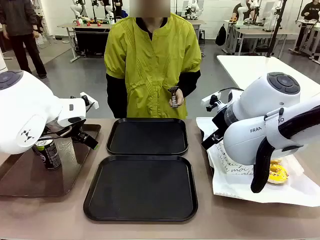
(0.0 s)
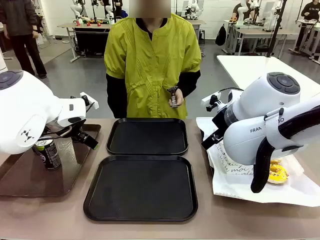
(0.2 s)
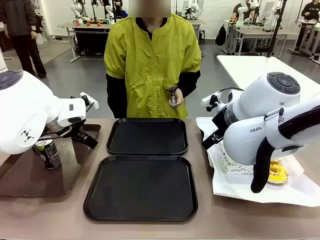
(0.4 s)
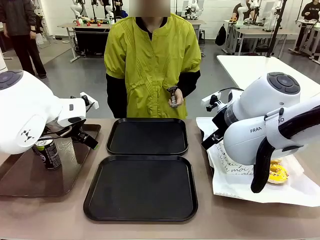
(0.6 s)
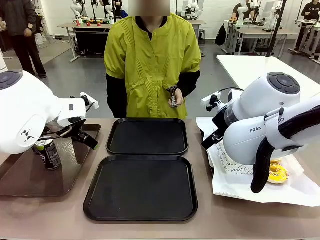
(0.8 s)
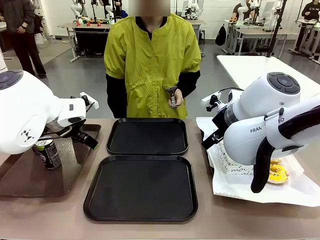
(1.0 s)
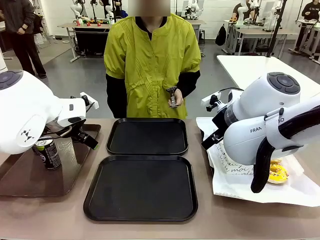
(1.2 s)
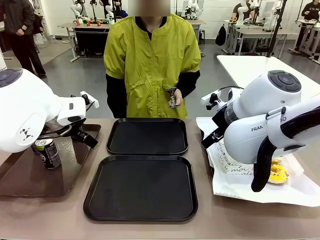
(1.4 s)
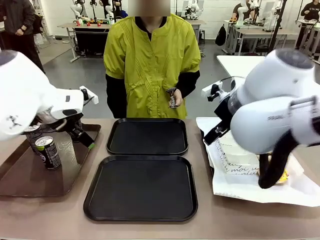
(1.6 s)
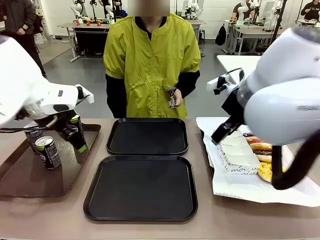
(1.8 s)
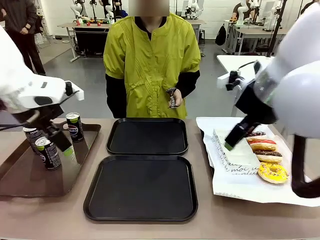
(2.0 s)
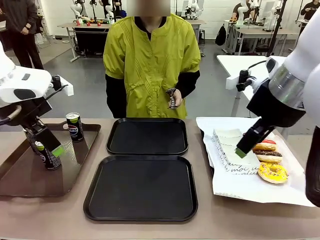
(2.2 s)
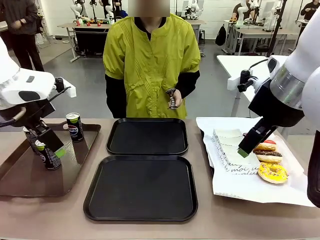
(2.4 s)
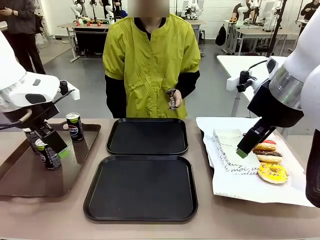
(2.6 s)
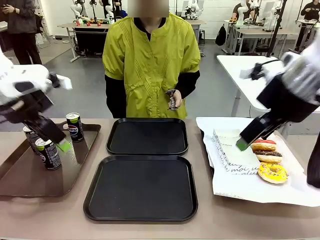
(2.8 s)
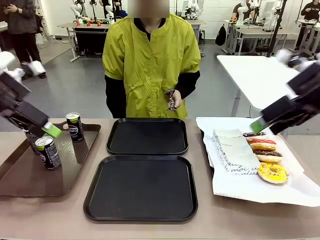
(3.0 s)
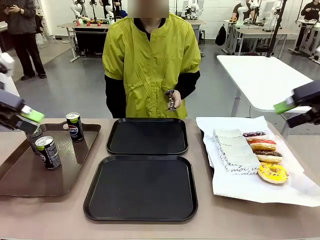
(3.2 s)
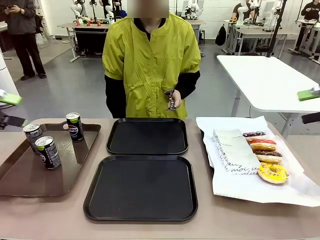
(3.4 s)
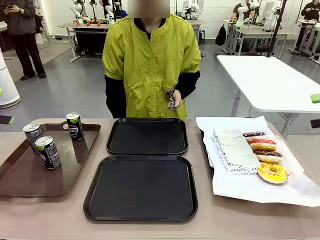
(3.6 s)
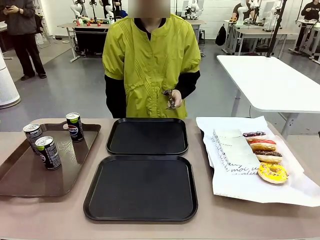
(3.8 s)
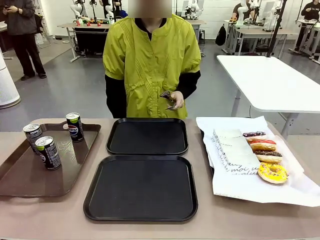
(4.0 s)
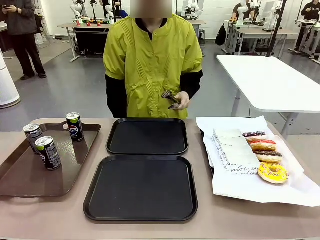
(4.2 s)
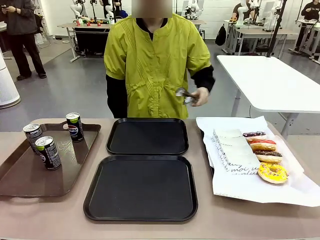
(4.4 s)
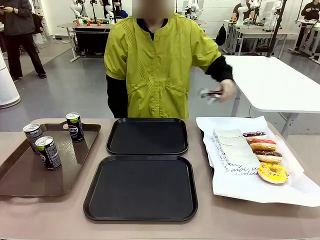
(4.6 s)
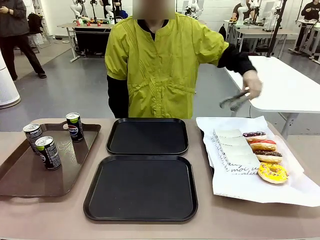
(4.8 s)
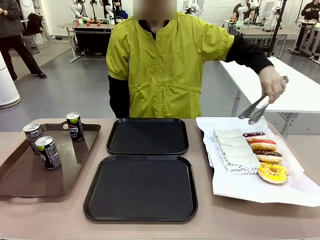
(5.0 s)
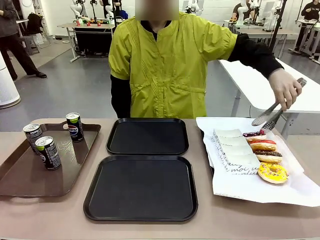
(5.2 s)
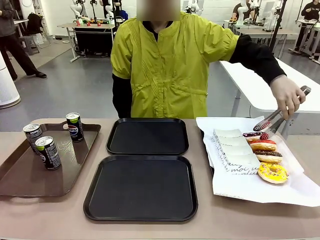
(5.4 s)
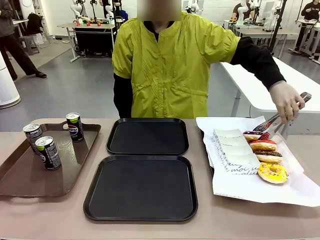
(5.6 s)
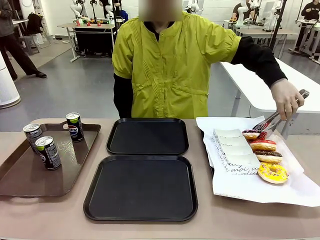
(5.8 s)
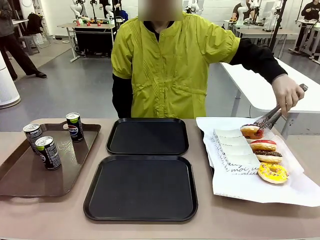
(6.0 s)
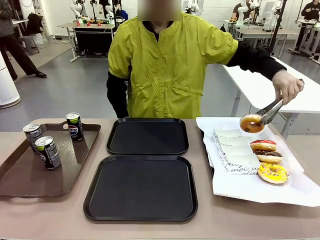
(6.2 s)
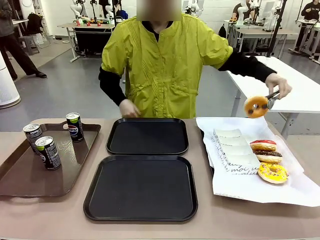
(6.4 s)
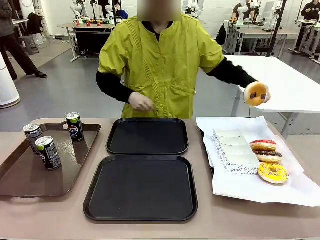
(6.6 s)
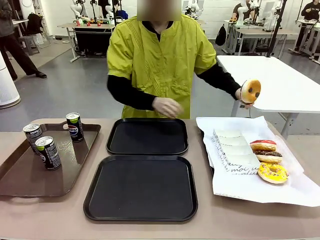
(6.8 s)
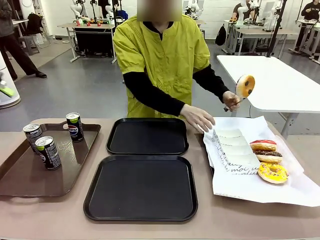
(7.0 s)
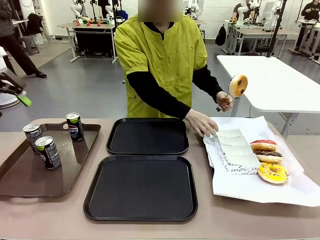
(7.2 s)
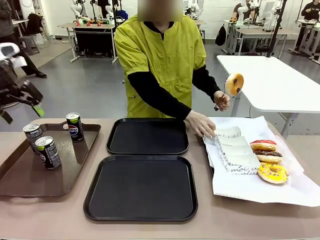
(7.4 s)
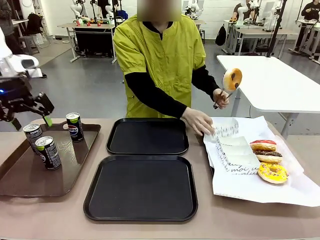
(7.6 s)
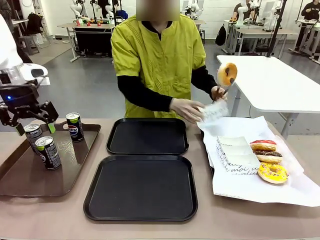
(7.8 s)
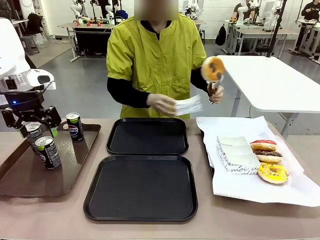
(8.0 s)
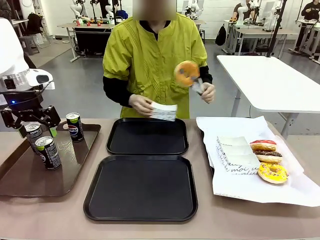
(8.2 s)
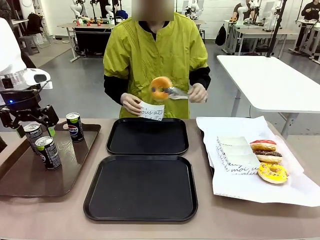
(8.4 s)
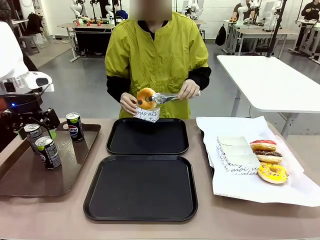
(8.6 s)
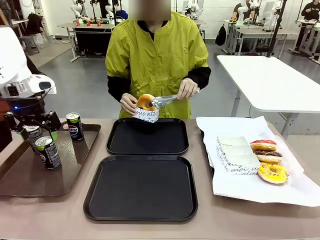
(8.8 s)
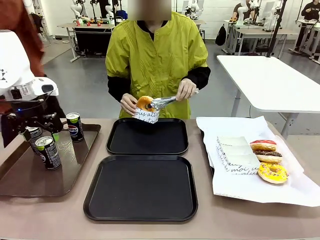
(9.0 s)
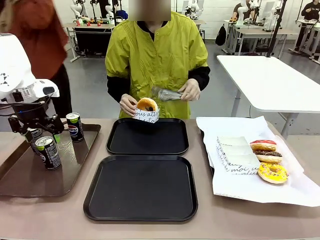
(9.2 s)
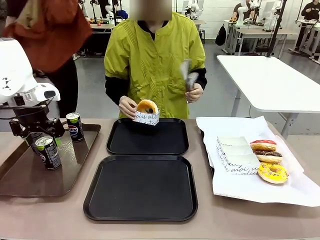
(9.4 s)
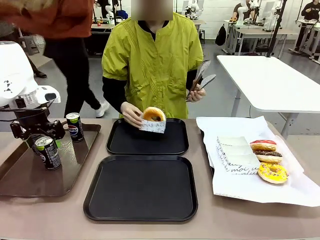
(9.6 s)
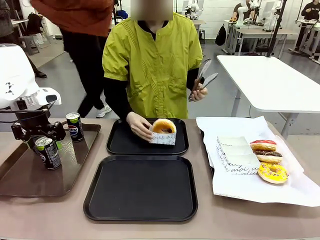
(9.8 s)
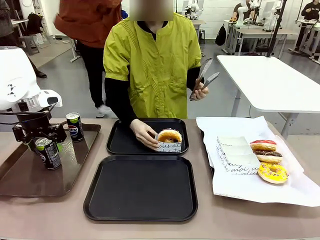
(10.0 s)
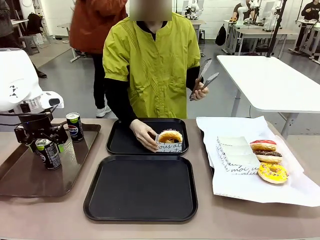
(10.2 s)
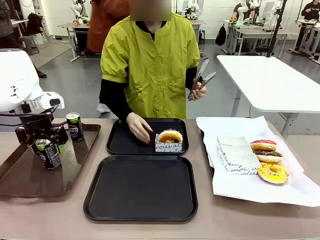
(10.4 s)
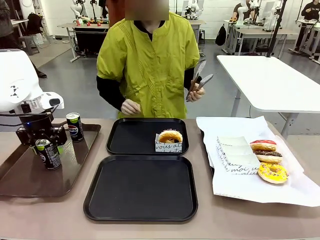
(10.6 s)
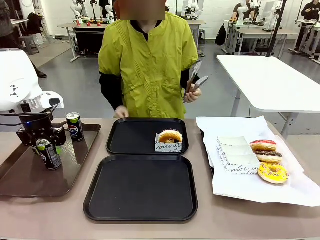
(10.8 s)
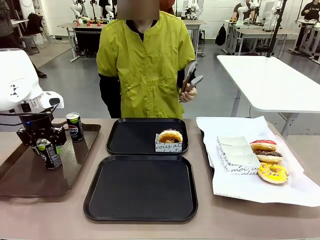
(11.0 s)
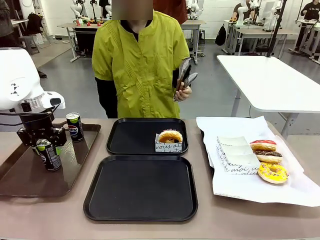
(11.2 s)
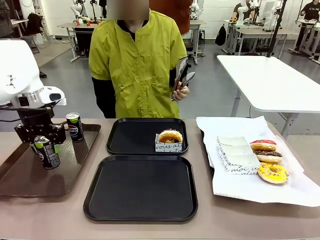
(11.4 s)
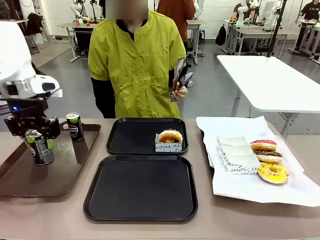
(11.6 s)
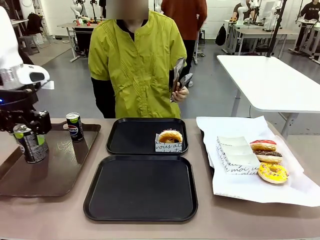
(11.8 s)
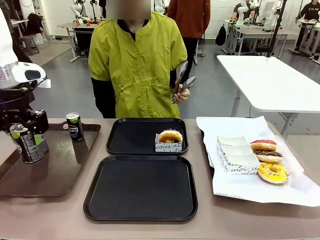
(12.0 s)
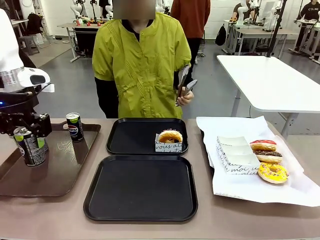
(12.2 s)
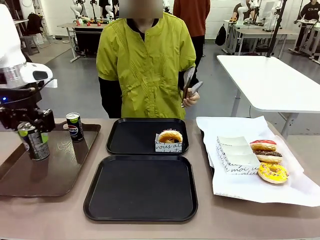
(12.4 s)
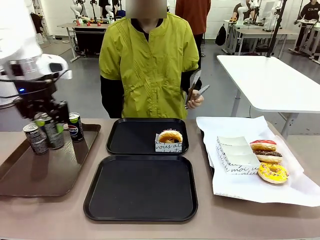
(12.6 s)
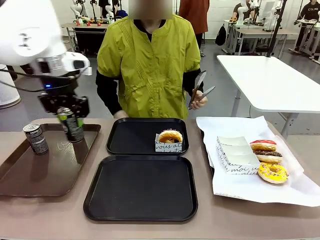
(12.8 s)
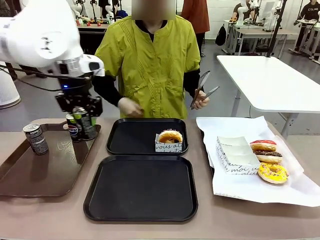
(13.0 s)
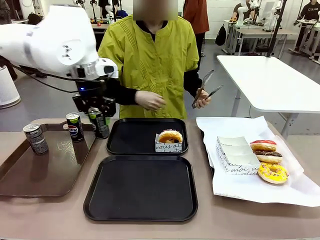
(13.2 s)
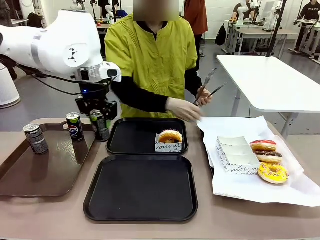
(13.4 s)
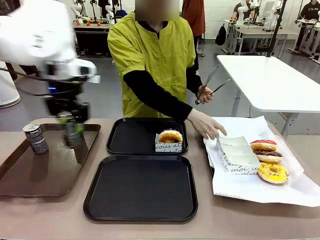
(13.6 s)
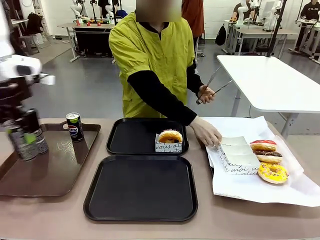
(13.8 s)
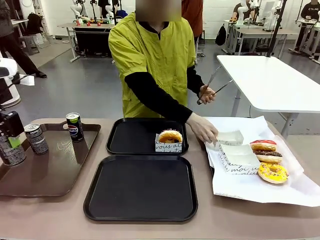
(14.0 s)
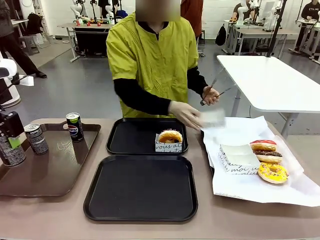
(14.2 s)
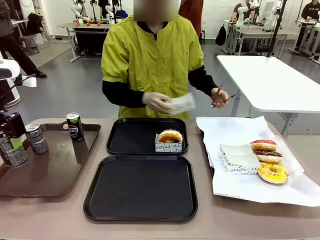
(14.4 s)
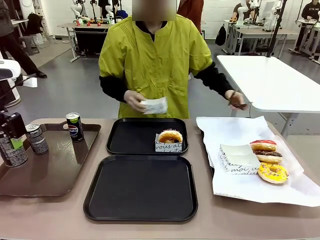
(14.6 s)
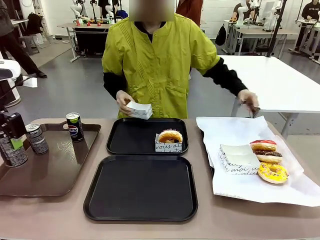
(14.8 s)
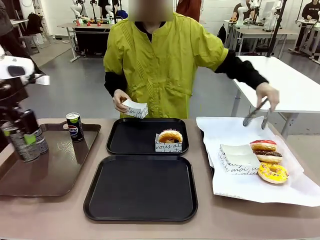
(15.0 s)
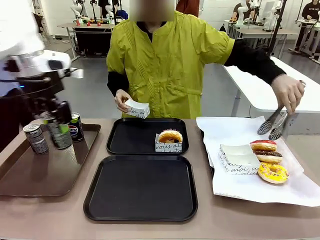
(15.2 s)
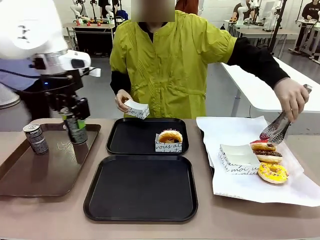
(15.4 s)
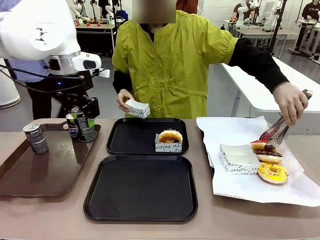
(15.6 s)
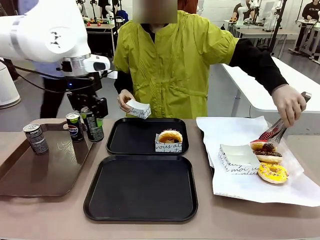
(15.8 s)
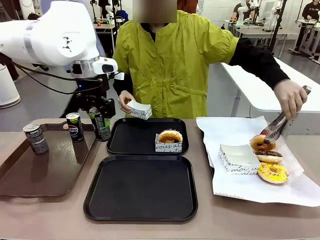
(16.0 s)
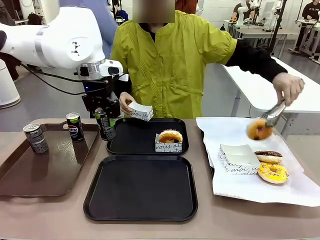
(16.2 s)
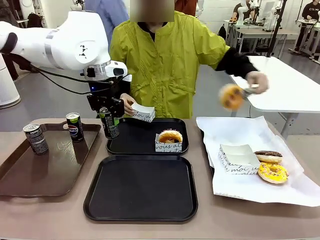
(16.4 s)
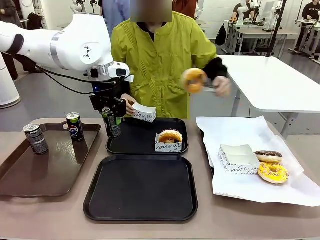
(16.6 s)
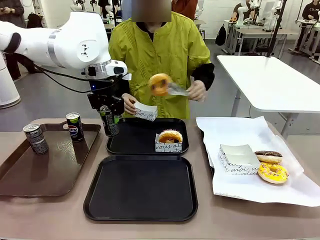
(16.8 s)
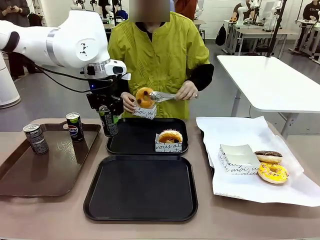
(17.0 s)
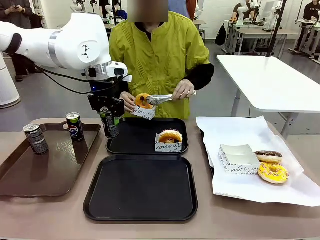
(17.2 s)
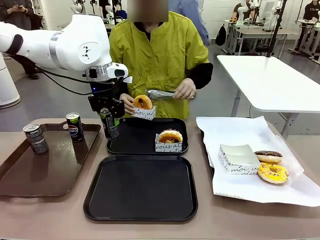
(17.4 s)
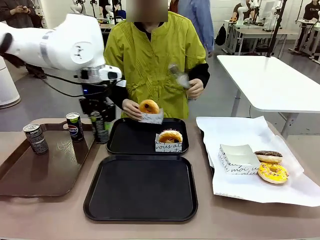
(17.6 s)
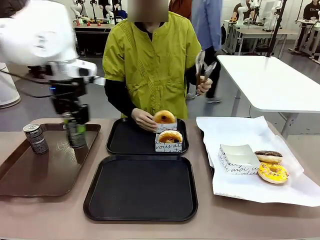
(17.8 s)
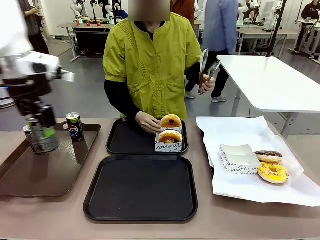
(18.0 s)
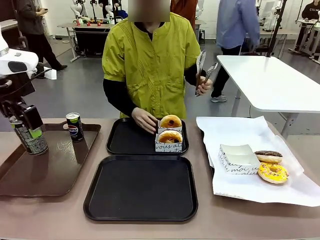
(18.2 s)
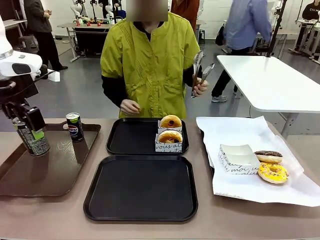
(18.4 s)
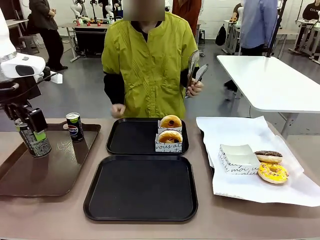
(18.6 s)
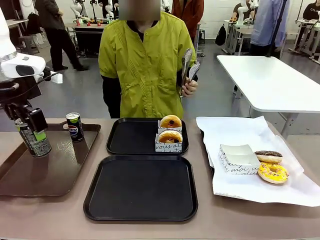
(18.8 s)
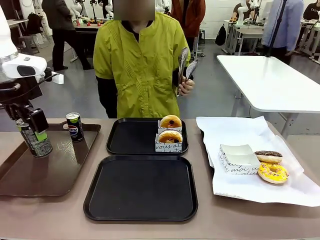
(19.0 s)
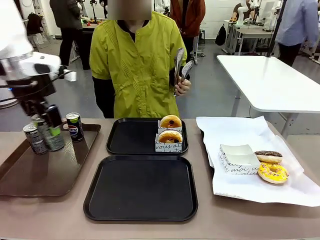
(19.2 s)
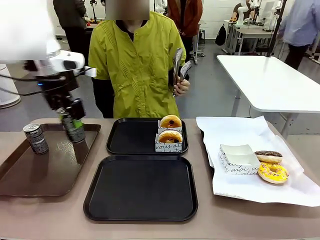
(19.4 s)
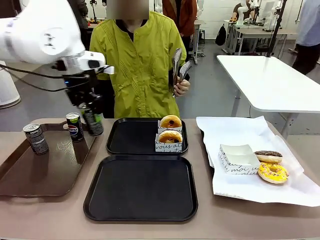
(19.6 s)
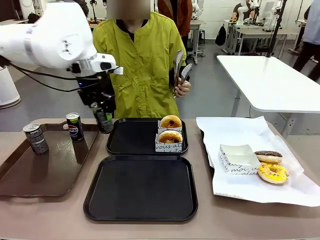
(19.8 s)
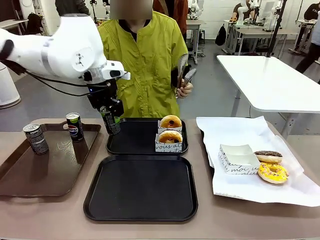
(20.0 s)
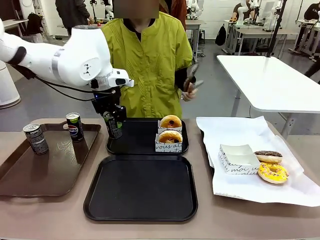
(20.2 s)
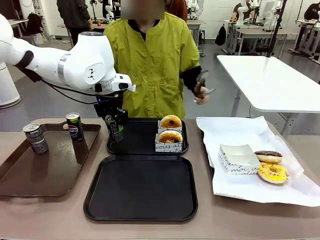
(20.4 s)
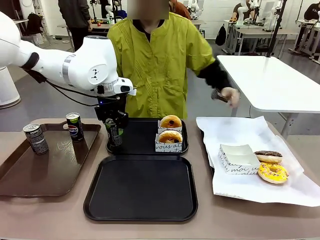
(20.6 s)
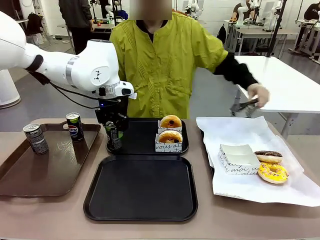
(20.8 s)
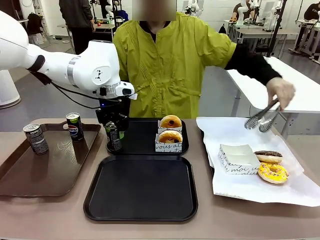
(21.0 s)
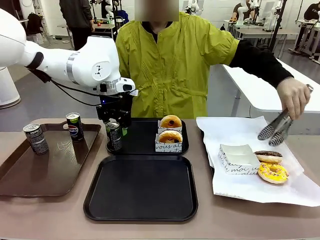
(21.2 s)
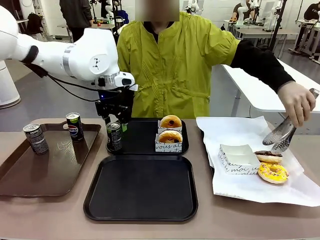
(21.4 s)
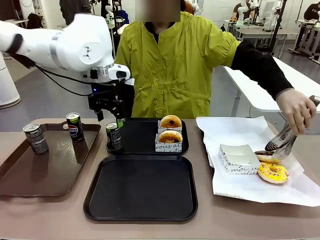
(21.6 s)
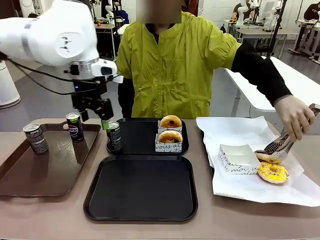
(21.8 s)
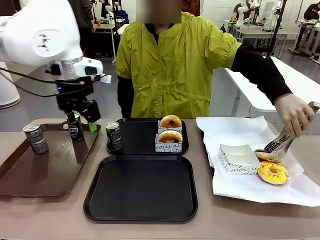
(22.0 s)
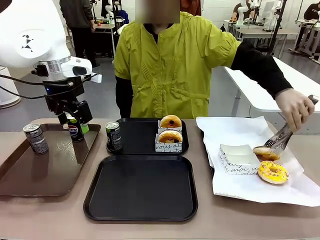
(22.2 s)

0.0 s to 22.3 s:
Task: Set up donuts and drinks on trays.
Robot: Pick up one Pepsi coke and place it on the Flat Tray.
